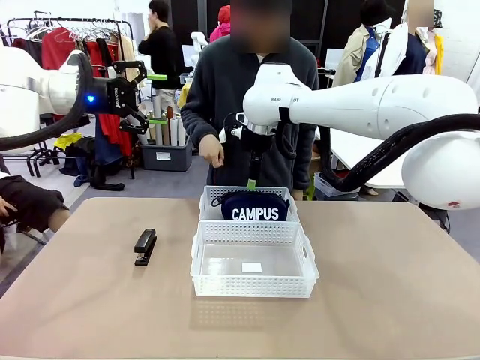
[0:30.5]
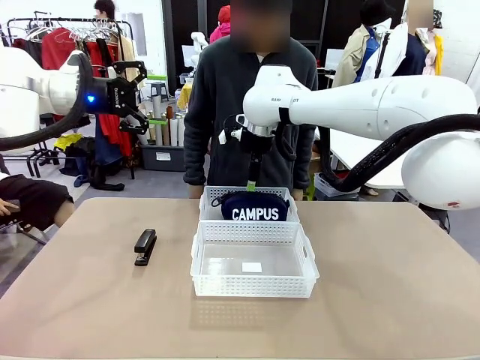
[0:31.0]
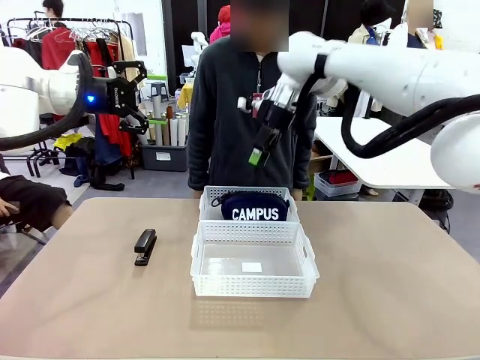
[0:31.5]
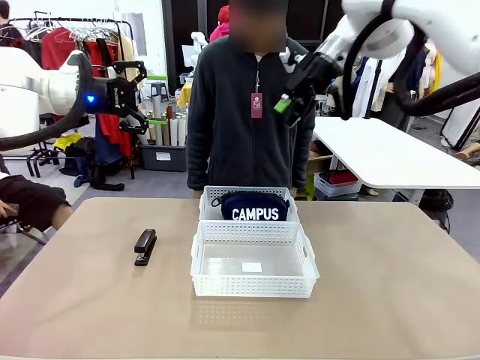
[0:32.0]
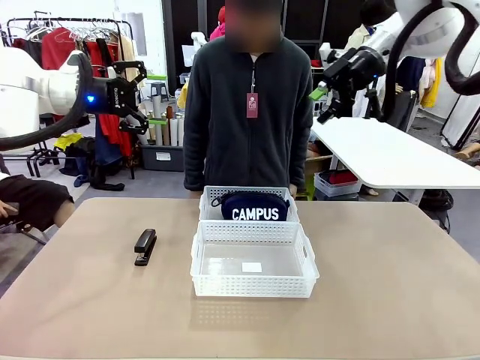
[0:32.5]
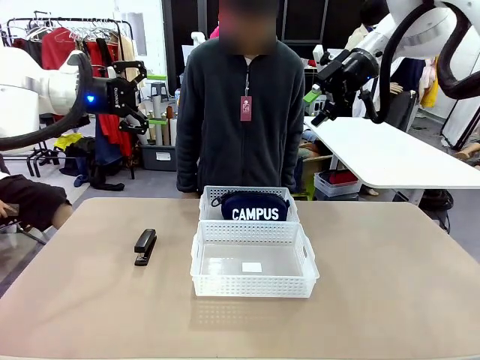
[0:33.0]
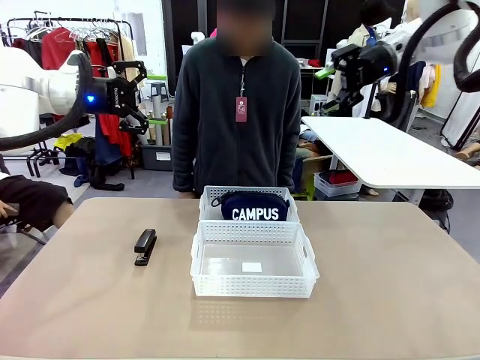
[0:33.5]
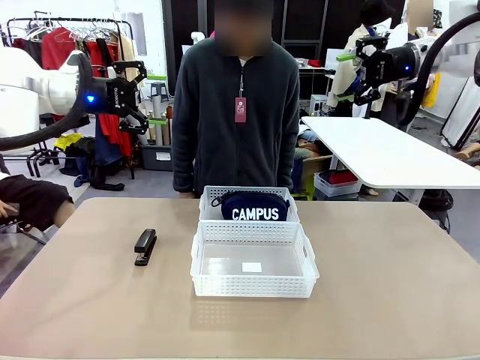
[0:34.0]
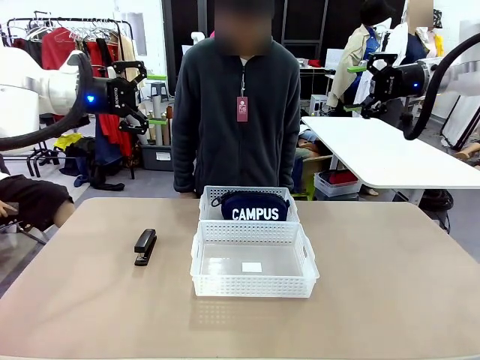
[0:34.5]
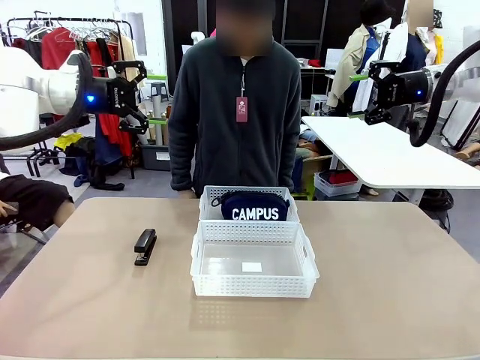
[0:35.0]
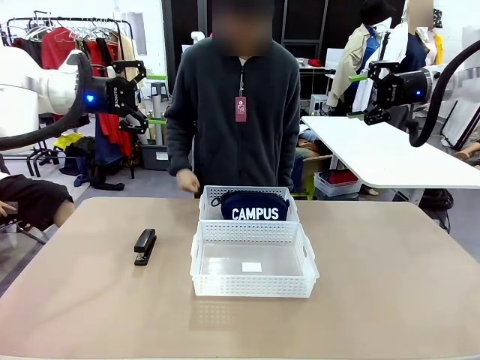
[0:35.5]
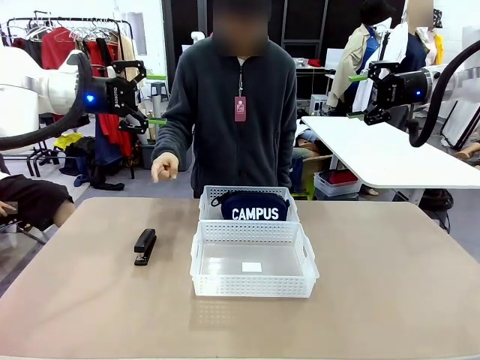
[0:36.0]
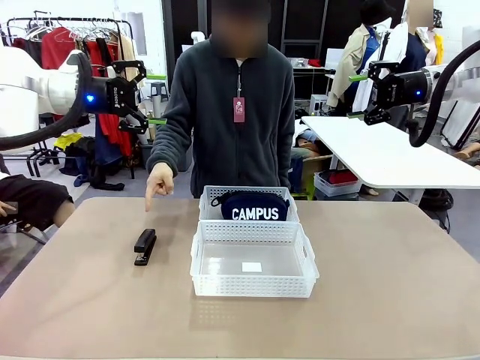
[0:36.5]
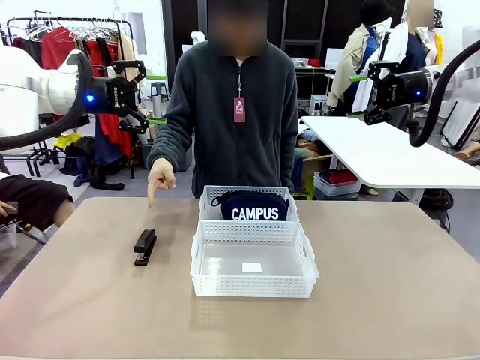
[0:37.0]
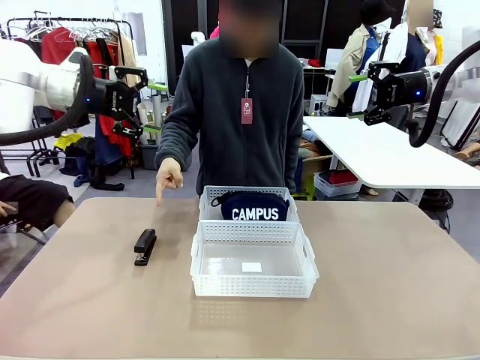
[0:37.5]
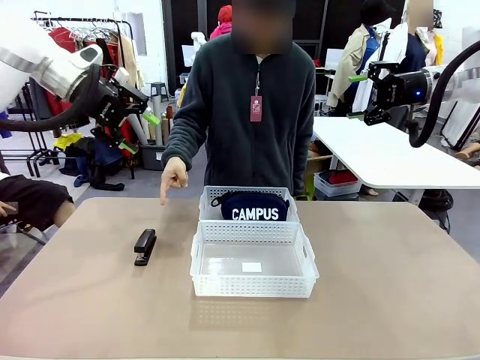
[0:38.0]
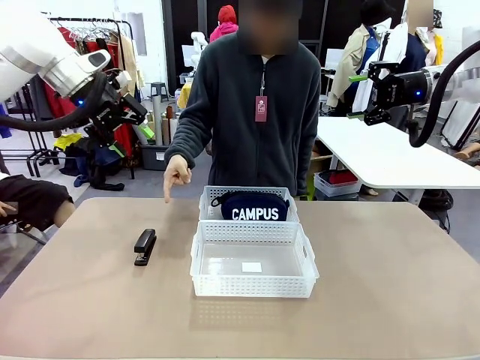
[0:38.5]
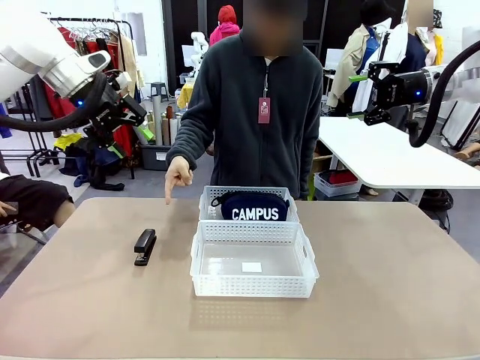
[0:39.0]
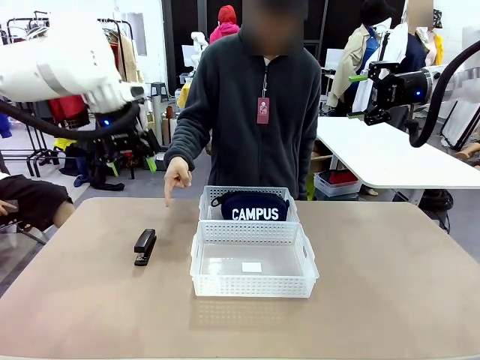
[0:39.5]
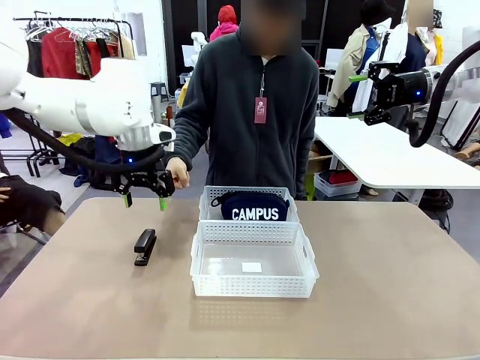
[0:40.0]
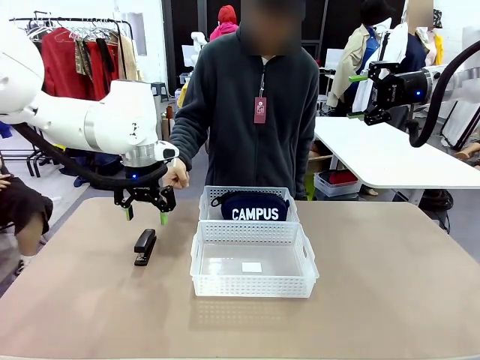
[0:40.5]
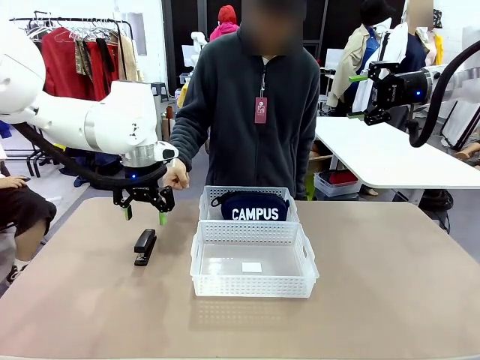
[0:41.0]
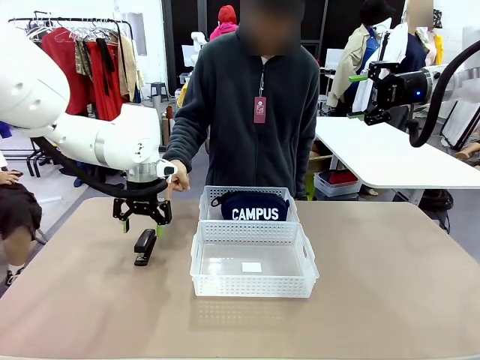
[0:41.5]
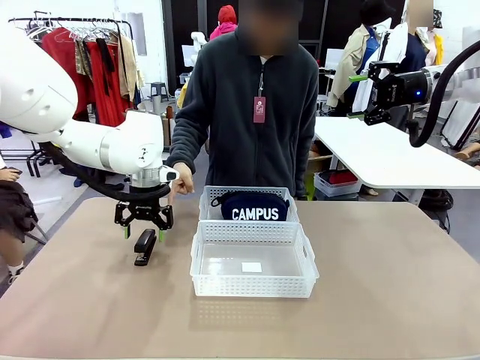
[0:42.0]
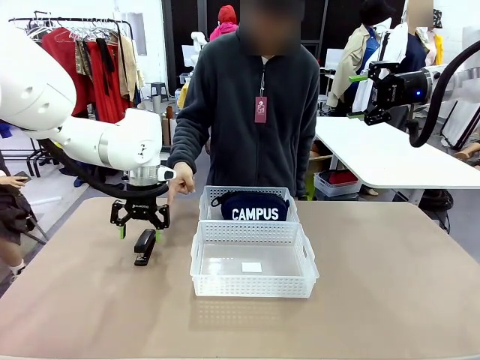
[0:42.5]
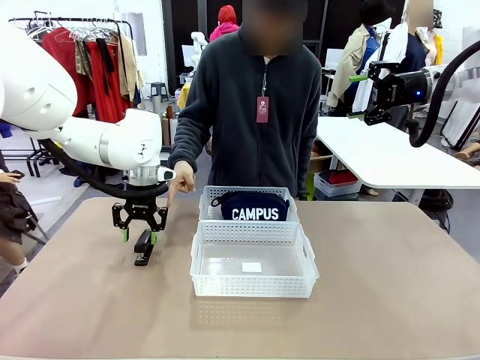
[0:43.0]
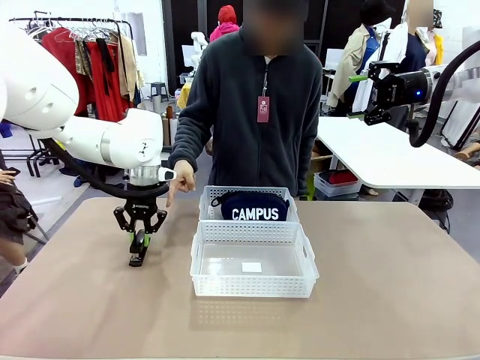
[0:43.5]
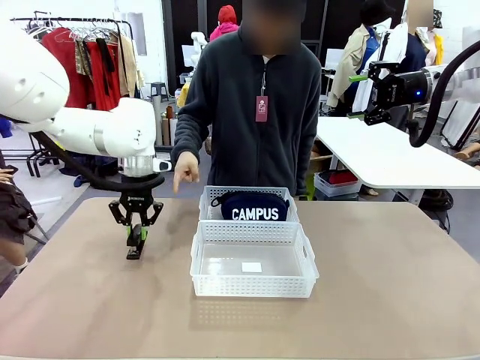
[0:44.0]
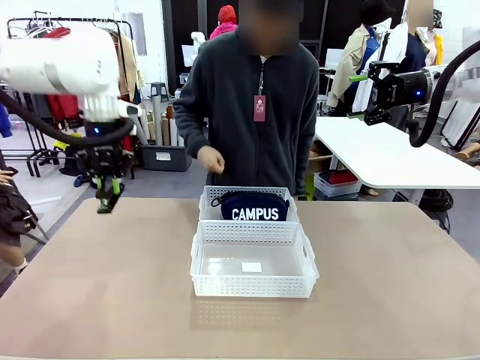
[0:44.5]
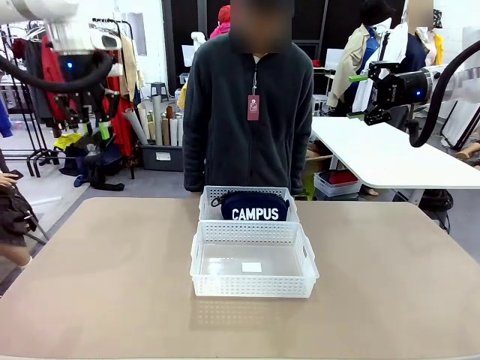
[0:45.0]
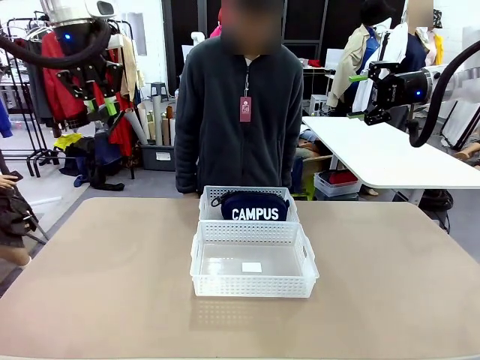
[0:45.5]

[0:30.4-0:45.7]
Task: Distribute items into two baskets.
Robot: Pick up the Stapler that the person points to.
Person: Points to the stapler.

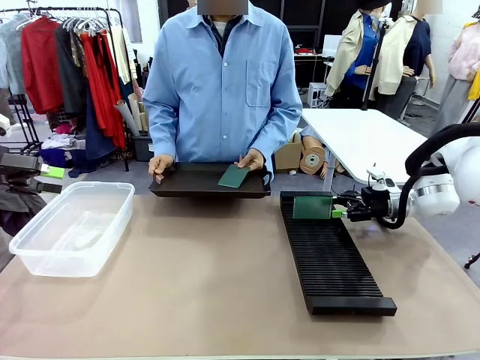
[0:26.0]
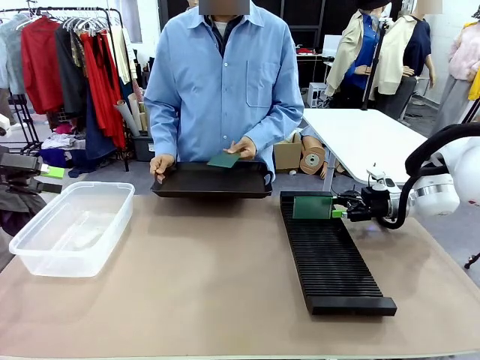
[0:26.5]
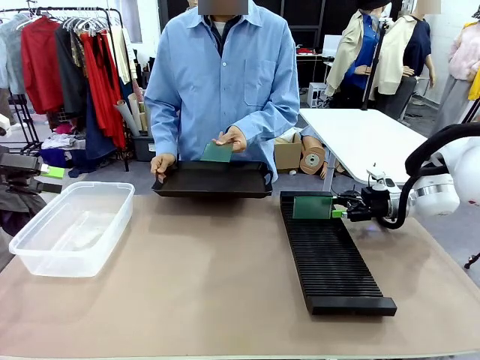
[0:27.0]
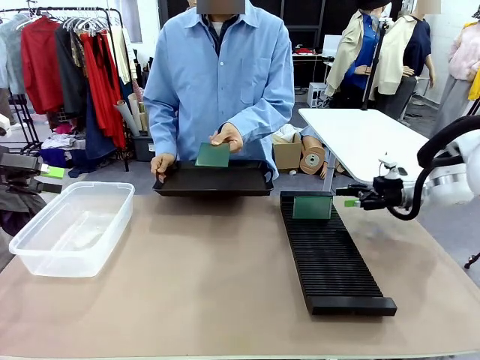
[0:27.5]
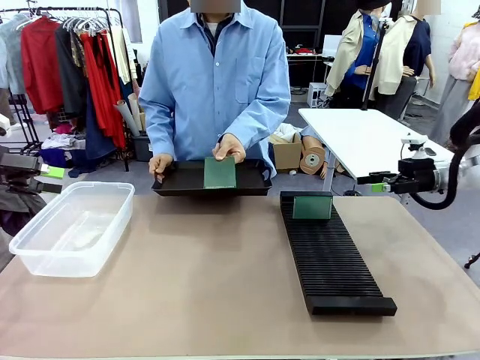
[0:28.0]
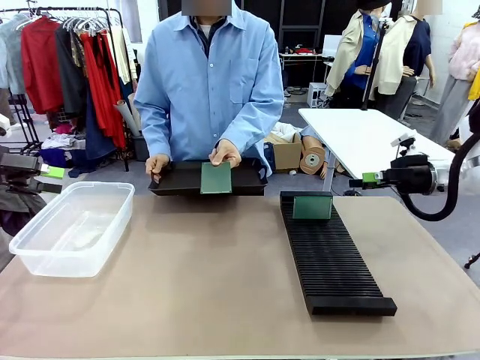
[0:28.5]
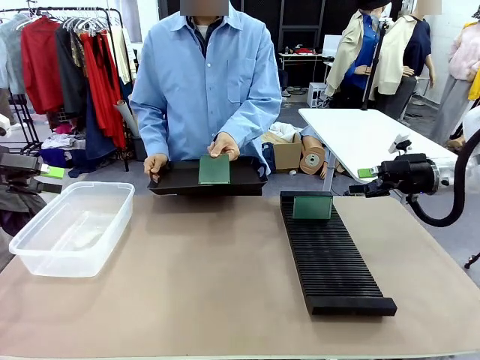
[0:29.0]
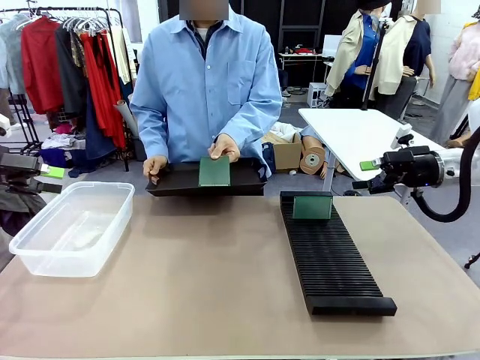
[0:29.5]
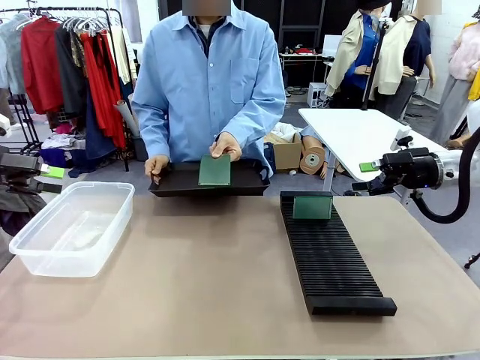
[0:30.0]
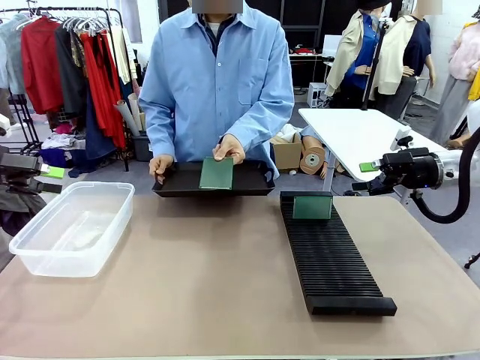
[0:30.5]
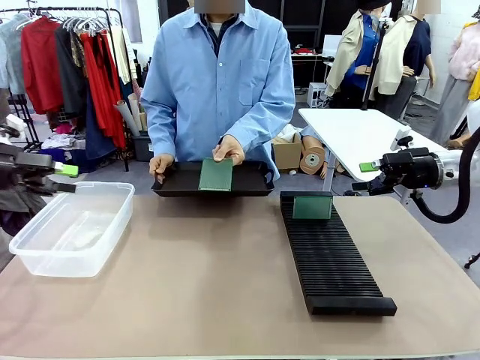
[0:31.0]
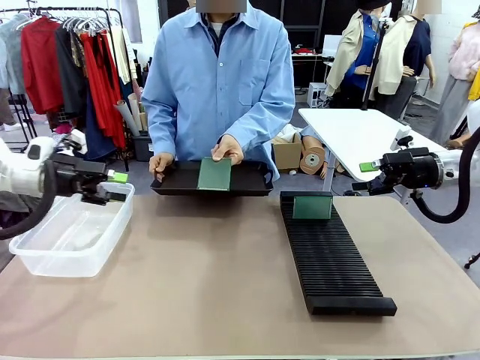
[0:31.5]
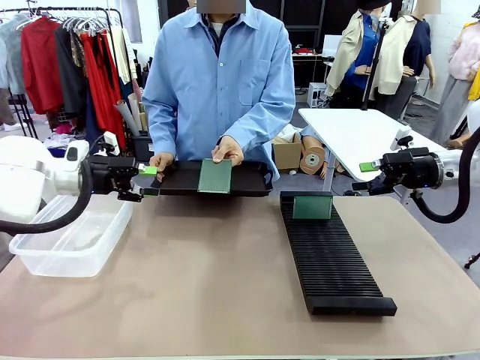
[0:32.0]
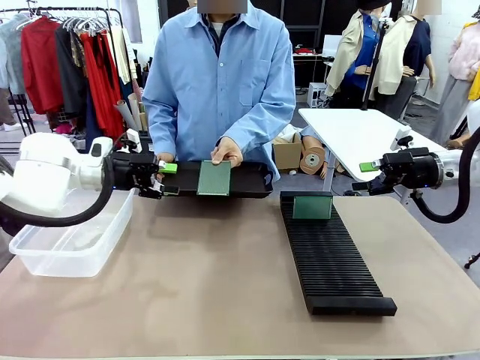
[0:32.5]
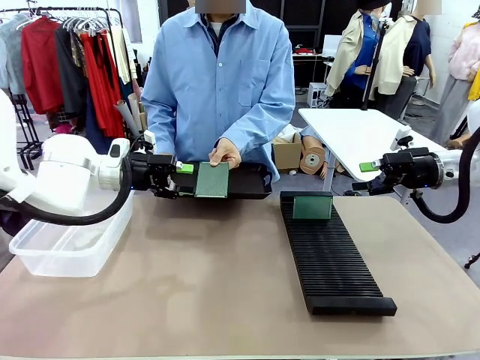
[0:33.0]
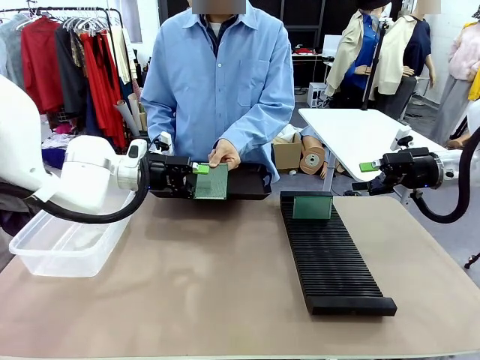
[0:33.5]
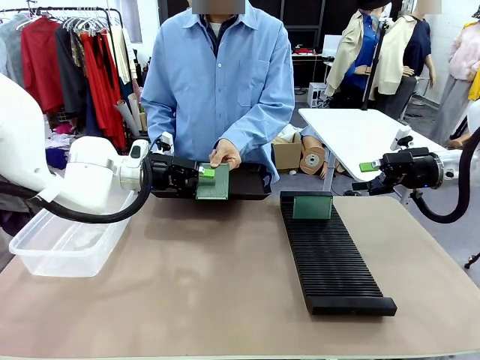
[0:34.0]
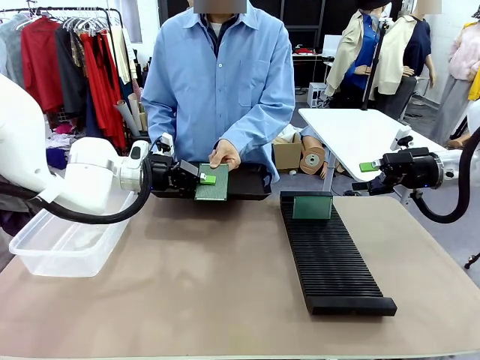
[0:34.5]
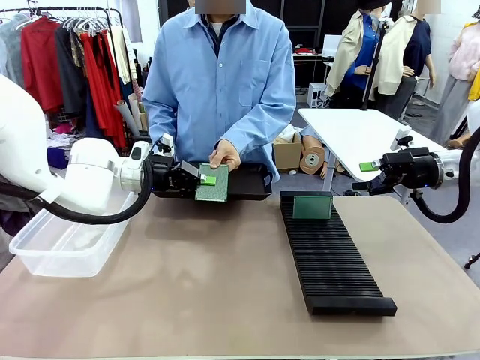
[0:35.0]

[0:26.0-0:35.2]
Task: Sort PCBs into racks and boxes based on the side picked up.
Robot: Pick up the Blank PCB handed by the Human.
